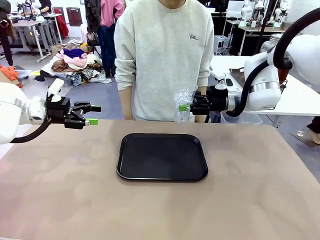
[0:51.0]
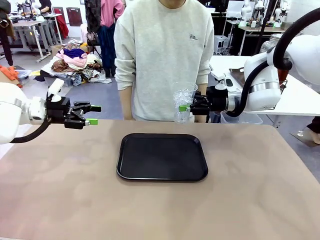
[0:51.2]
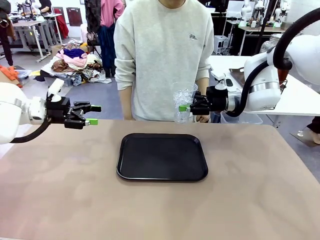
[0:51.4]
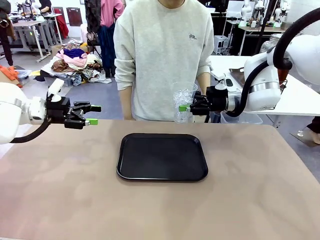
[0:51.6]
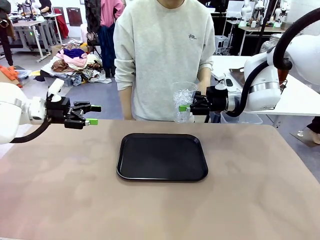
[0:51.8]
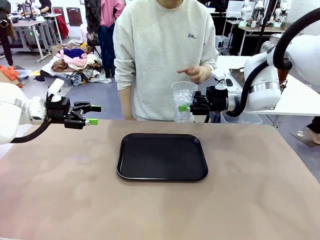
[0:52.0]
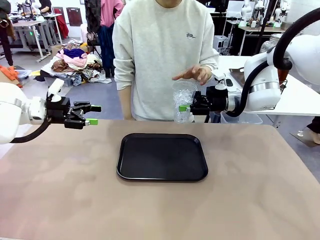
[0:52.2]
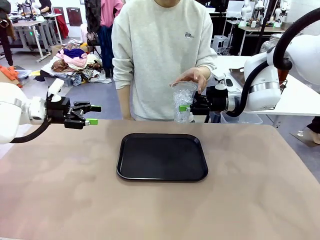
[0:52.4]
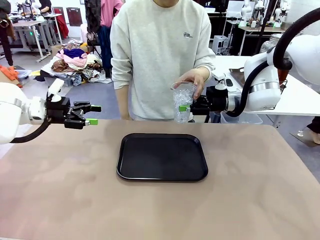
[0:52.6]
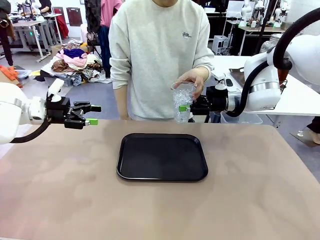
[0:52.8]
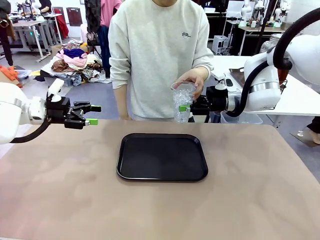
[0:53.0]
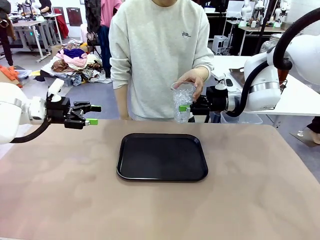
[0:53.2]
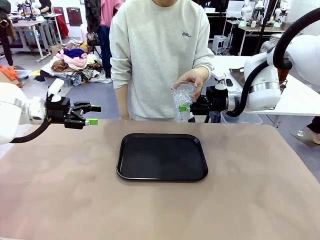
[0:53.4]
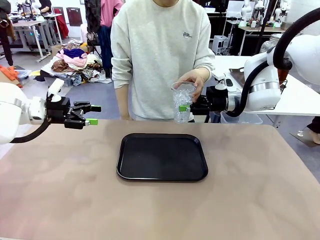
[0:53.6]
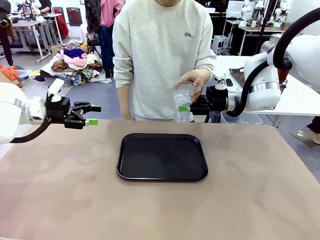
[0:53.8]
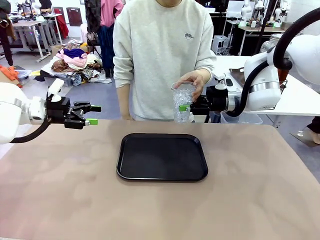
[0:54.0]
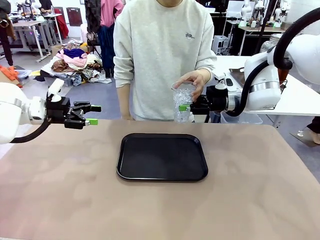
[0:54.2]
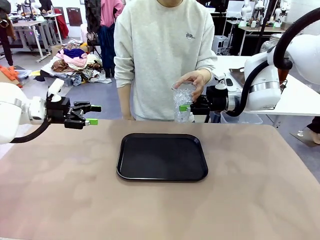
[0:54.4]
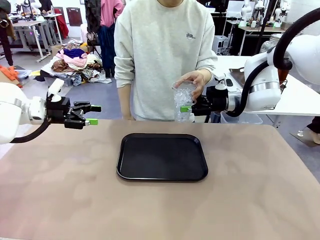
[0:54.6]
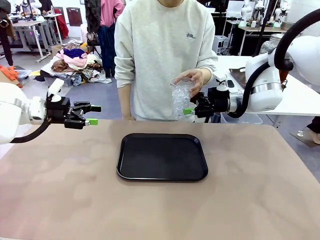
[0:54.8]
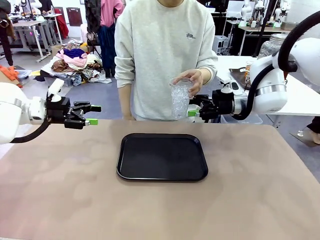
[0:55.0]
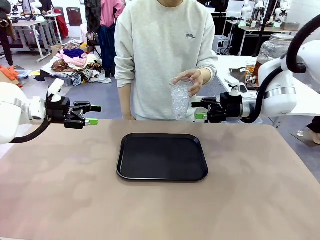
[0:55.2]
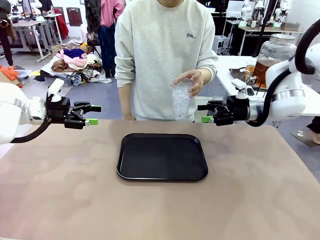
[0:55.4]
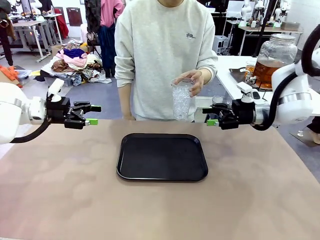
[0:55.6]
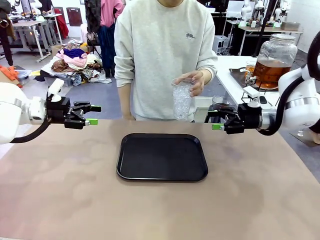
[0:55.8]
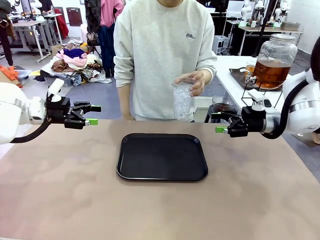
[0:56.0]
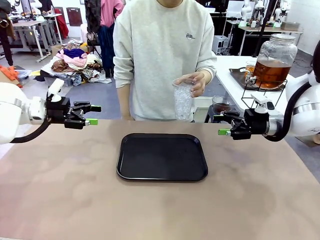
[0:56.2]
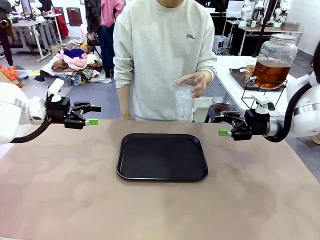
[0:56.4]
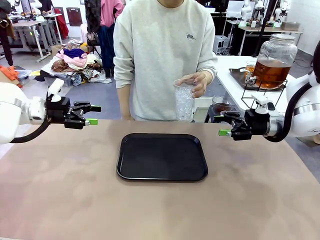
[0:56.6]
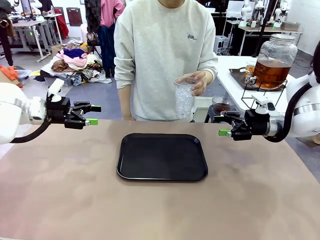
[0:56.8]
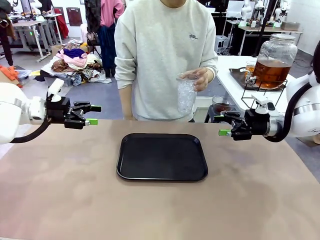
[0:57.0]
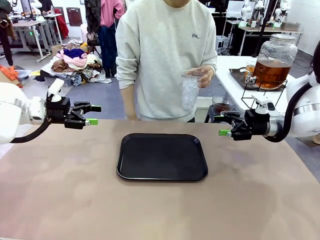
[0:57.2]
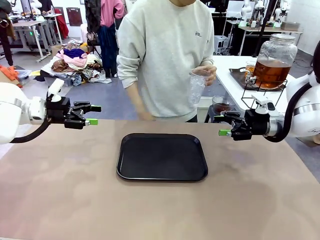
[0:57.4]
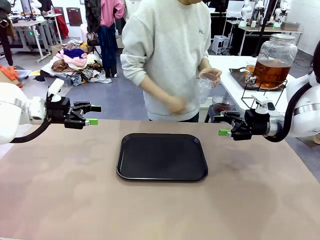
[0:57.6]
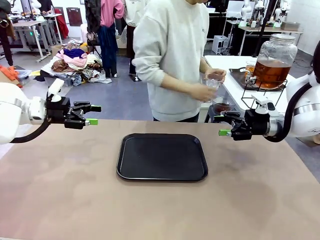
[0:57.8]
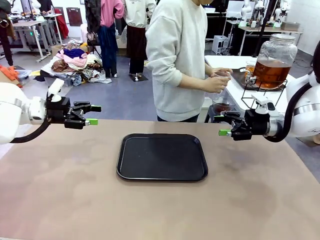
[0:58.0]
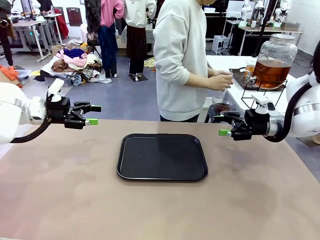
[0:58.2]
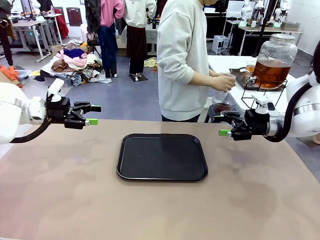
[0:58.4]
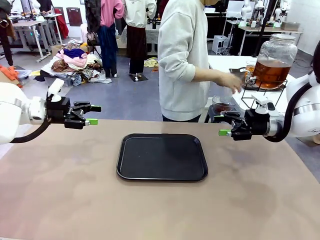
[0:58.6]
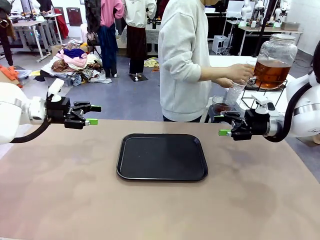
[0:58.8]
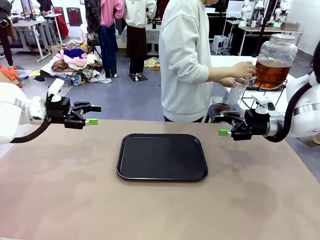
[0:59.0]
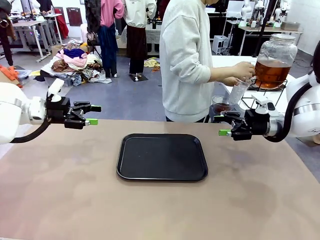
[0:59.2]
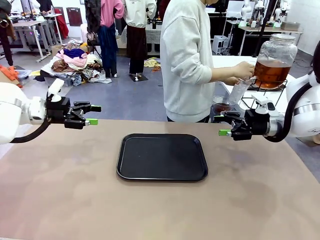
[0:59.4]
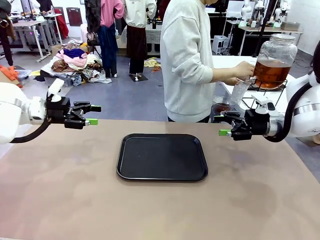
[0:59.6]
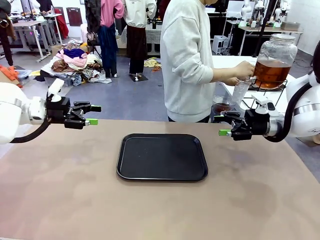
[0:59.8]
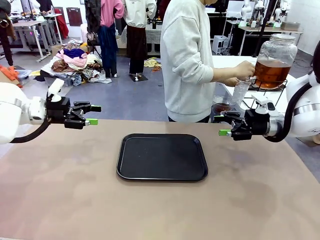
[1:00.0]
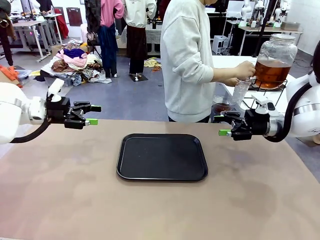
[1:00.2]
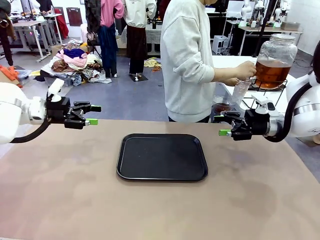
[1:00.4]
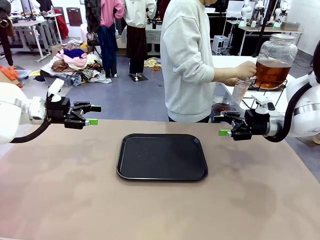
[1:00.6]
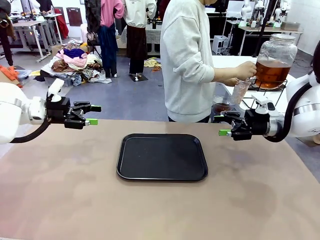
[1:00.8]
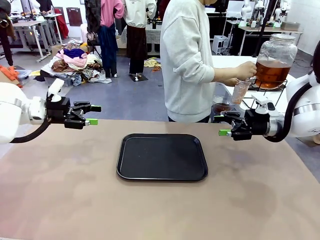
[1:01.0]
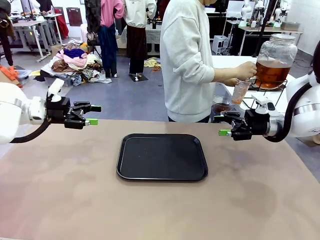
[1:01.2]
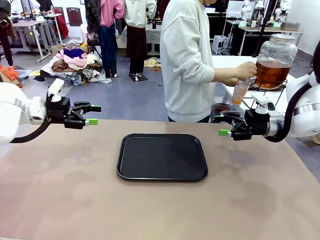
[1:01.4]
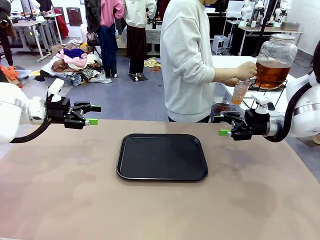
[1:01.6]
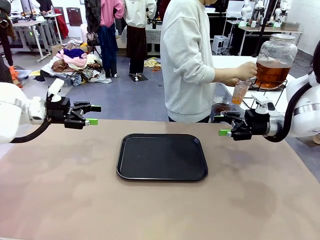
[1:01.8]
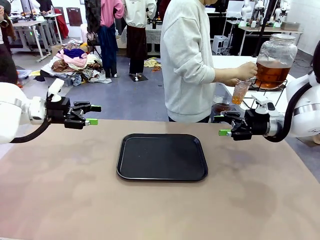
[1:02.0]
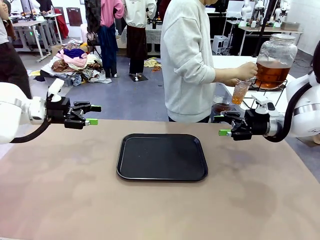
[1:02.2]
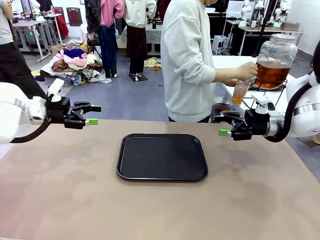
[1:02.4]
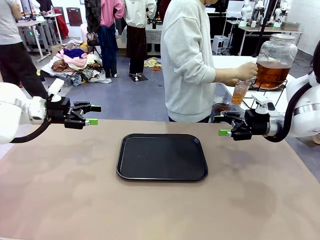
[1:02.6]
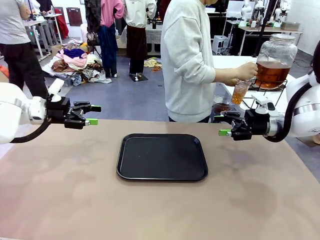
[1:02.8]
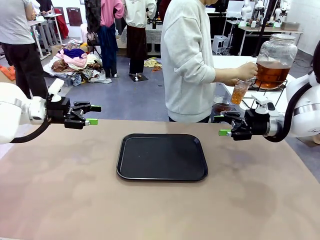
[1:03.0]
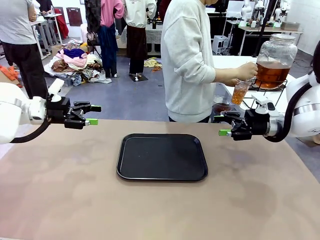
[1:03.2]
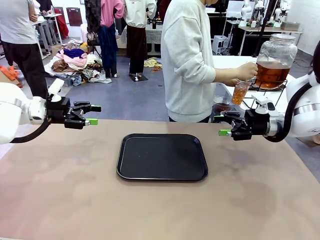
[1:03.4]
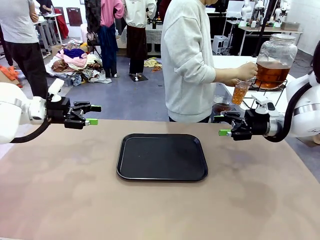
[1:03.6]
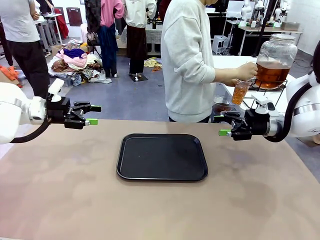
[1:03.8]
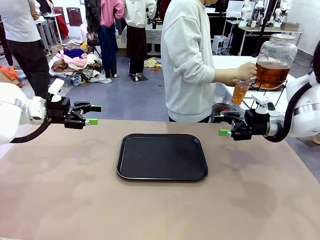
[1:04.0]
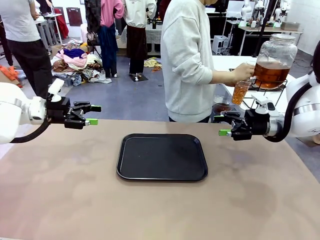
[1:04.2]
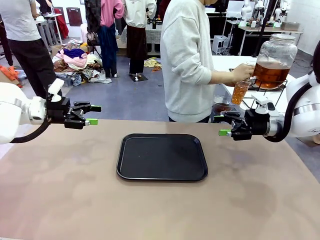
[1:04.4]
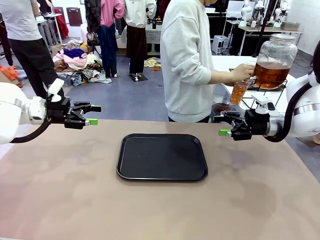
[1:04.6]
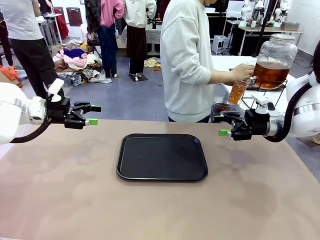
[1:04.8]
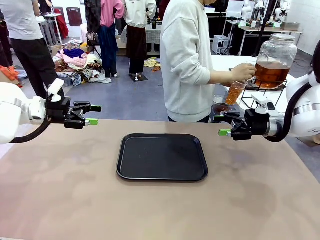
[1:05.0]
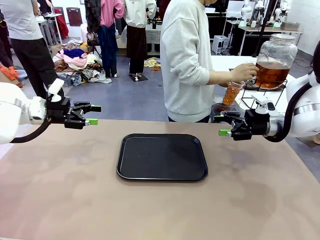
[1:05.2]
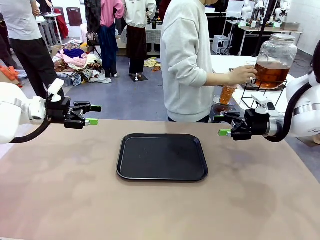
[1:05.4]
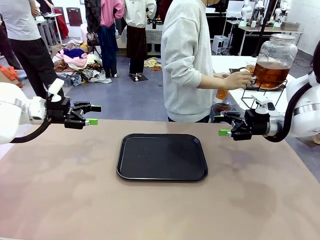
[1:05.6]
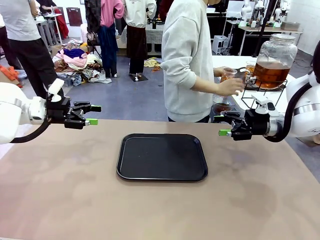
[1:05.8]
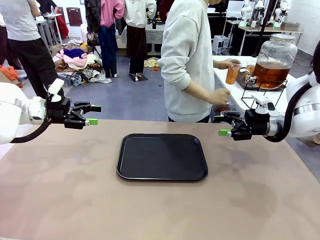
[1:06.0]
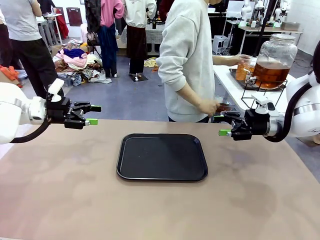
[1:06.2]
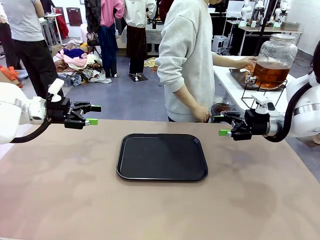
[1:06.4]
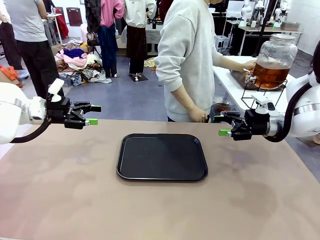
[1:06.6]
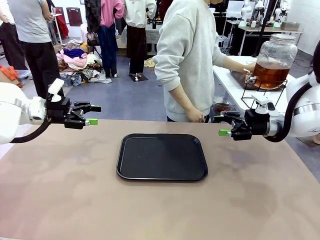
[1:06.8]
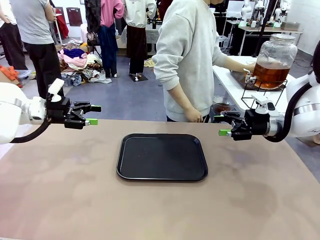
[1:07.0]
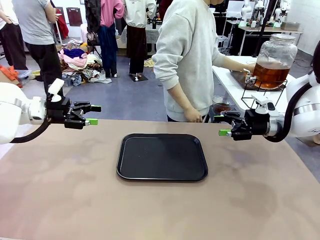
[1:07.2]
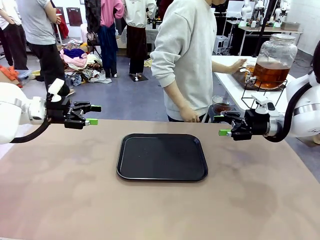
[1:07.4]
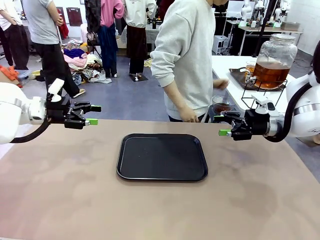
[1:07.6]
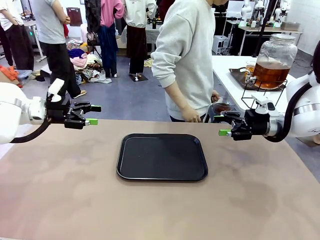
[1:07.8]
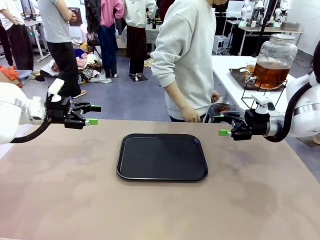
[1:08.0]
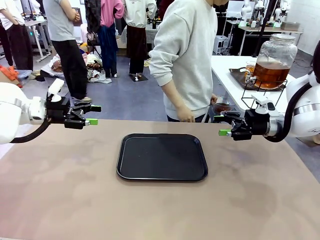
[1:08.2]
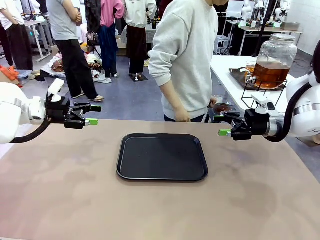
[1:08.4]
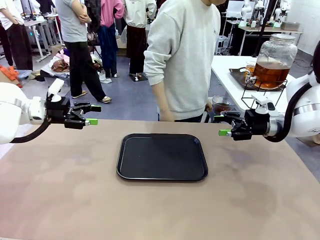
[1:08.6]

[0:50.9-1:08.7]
Task: Pour the drink into the iced cup.
Robot: Open the gripper to release the iced cup you were holding.
Person: Move the picked-up cup under the dispenser faucet, pour the drink, and place it on the tray on the human table.
